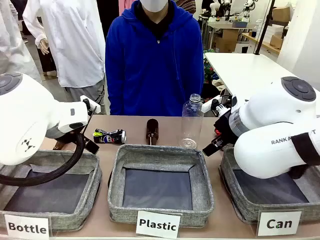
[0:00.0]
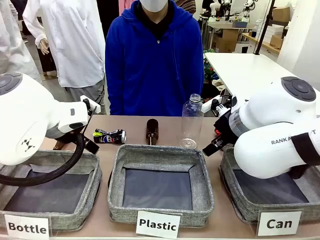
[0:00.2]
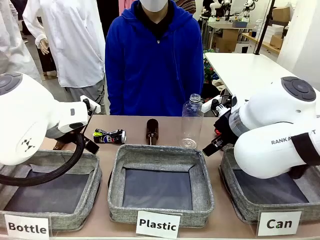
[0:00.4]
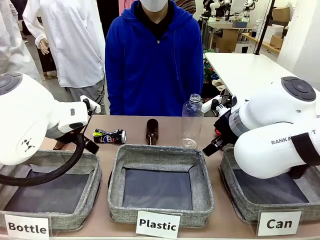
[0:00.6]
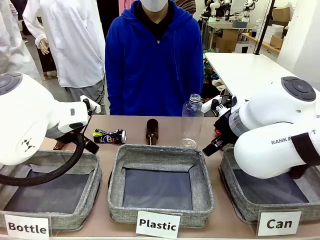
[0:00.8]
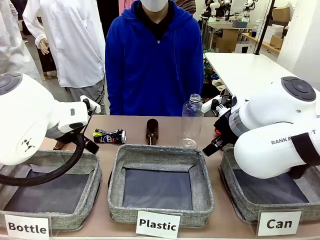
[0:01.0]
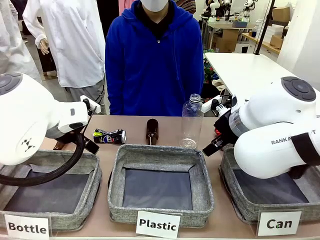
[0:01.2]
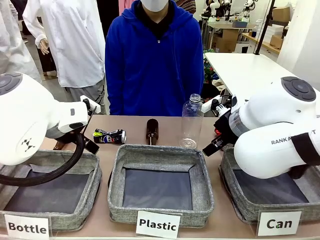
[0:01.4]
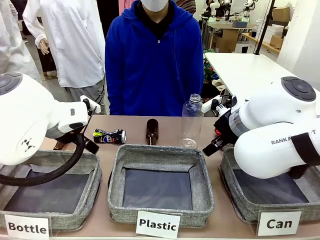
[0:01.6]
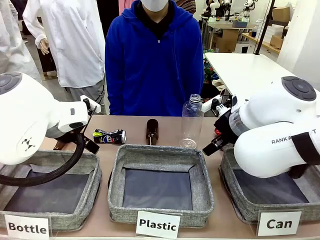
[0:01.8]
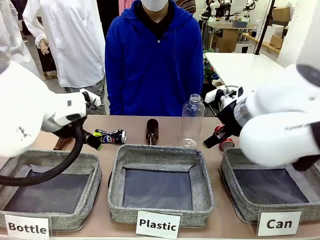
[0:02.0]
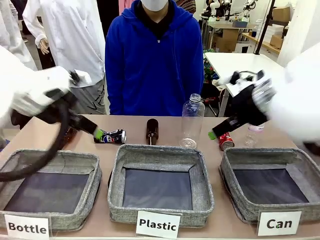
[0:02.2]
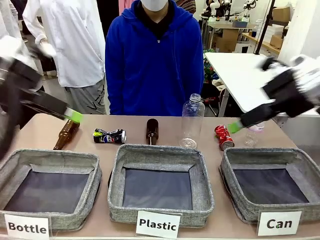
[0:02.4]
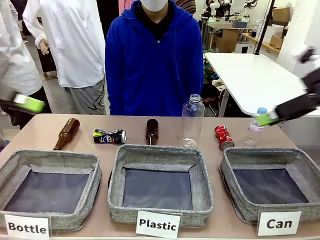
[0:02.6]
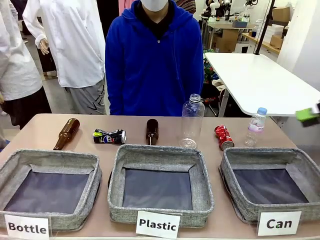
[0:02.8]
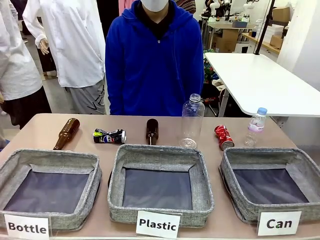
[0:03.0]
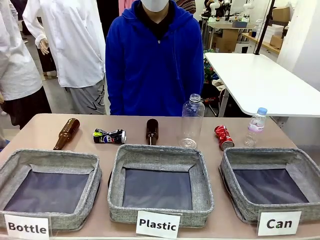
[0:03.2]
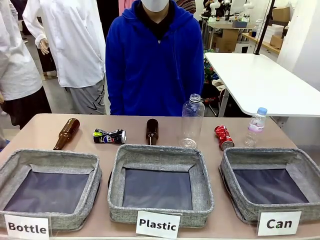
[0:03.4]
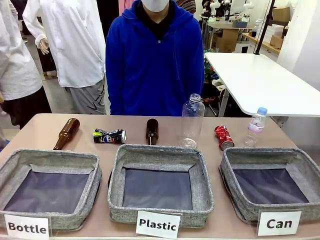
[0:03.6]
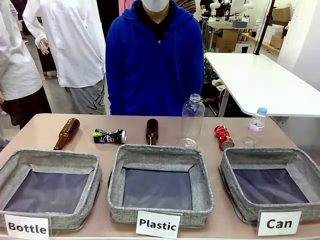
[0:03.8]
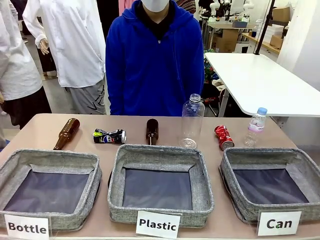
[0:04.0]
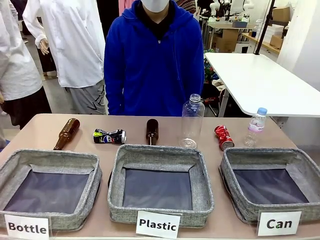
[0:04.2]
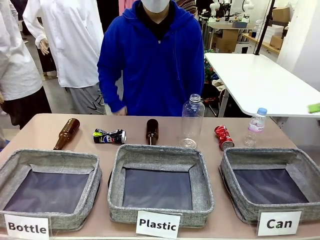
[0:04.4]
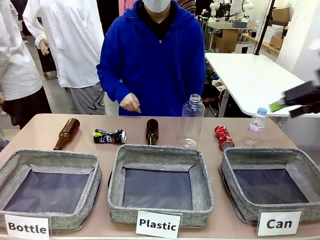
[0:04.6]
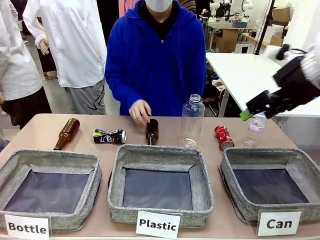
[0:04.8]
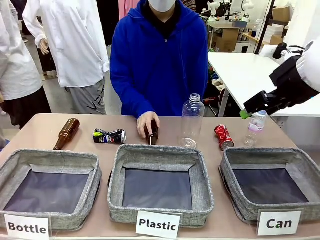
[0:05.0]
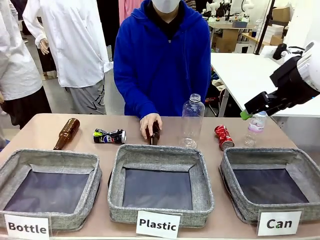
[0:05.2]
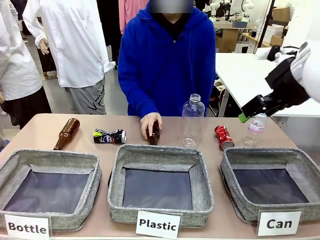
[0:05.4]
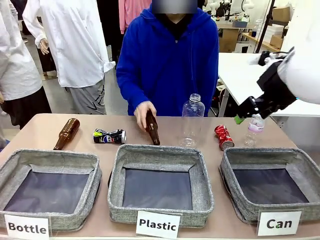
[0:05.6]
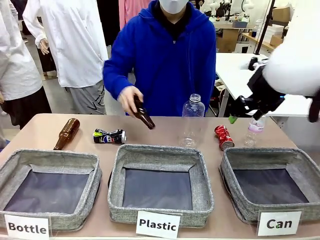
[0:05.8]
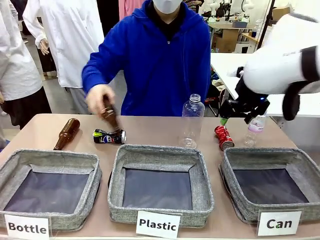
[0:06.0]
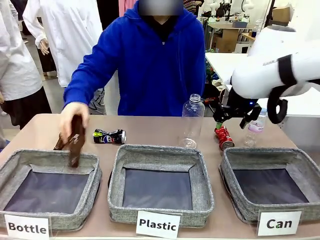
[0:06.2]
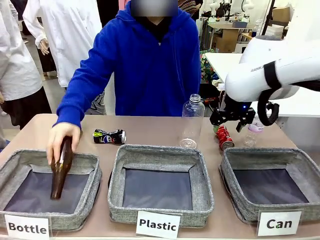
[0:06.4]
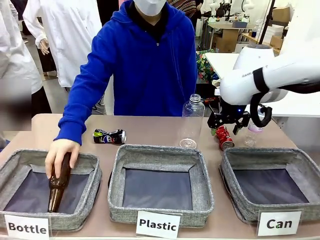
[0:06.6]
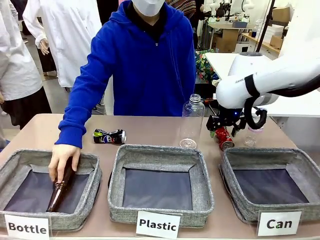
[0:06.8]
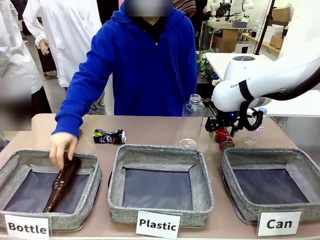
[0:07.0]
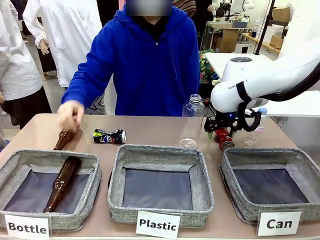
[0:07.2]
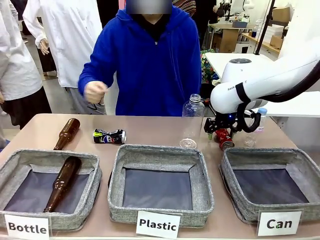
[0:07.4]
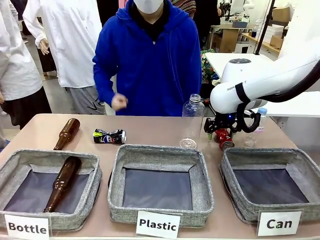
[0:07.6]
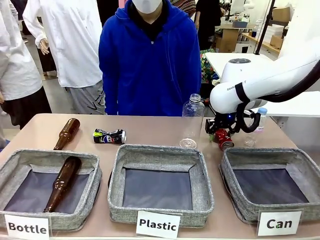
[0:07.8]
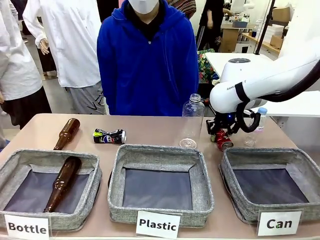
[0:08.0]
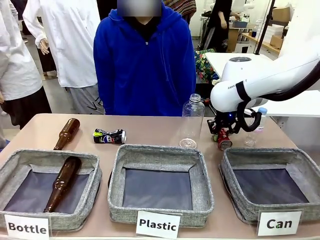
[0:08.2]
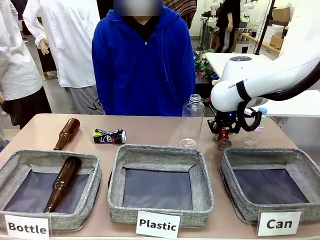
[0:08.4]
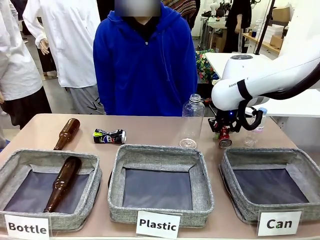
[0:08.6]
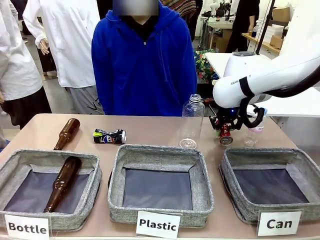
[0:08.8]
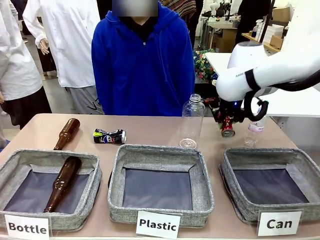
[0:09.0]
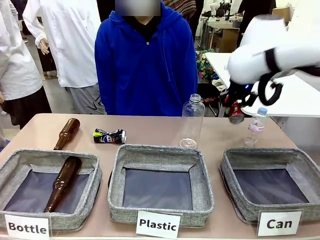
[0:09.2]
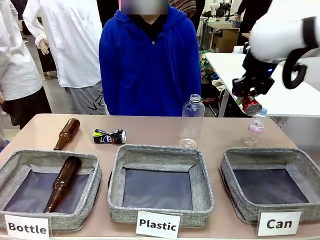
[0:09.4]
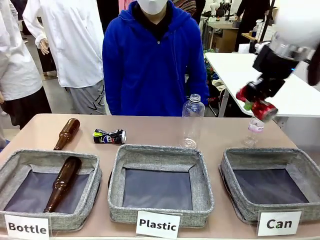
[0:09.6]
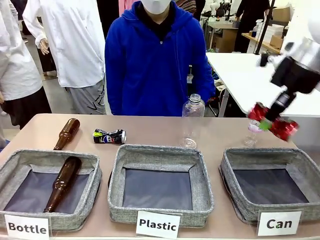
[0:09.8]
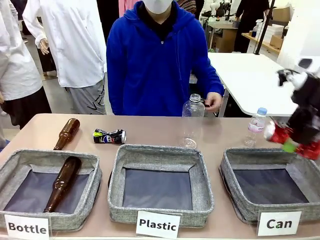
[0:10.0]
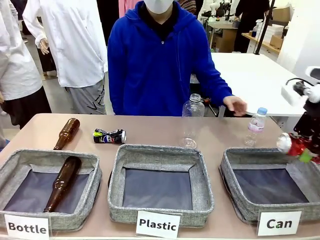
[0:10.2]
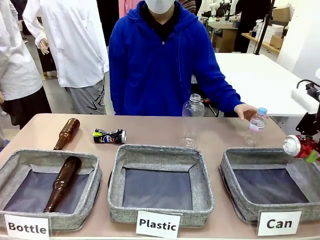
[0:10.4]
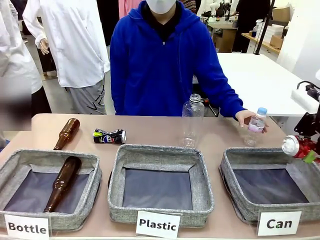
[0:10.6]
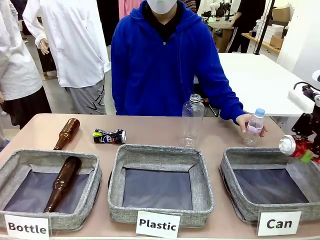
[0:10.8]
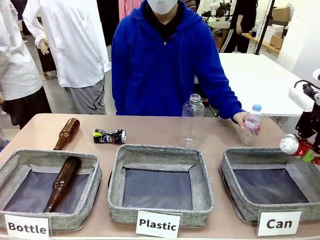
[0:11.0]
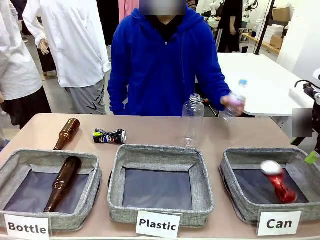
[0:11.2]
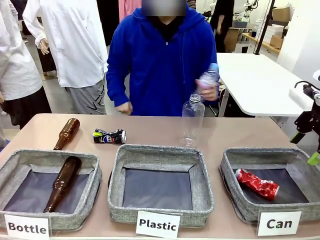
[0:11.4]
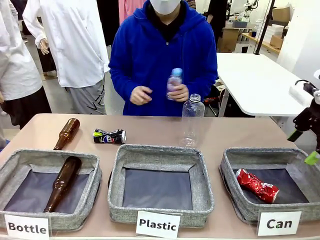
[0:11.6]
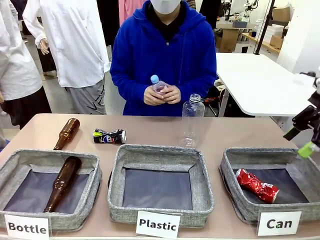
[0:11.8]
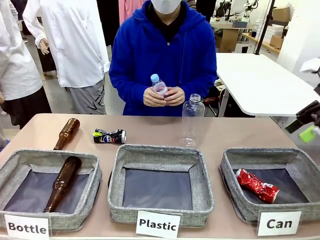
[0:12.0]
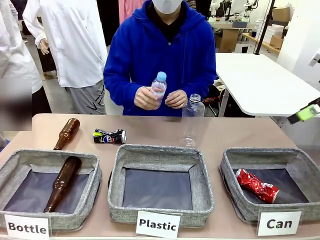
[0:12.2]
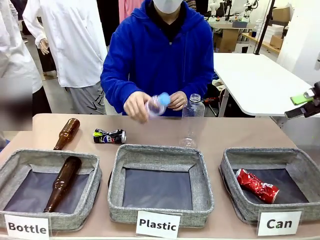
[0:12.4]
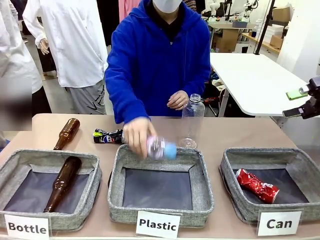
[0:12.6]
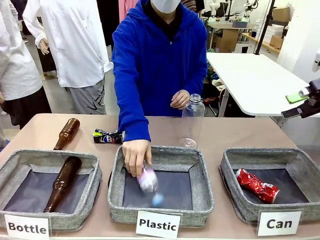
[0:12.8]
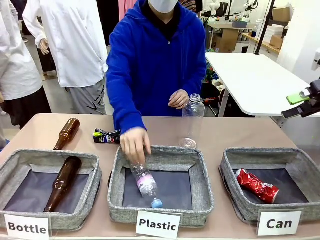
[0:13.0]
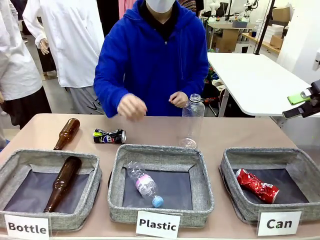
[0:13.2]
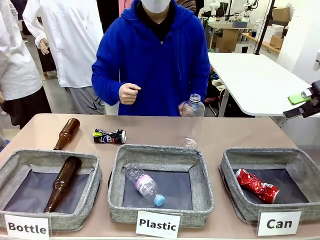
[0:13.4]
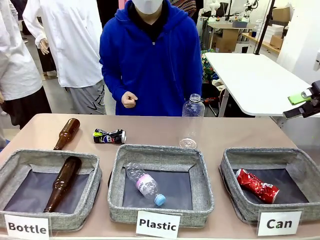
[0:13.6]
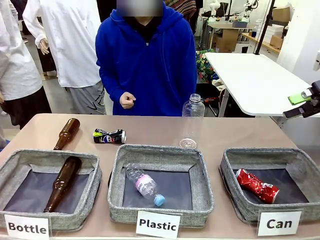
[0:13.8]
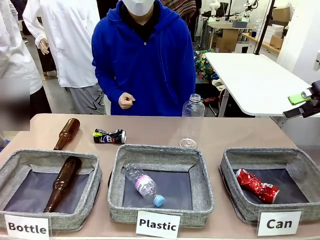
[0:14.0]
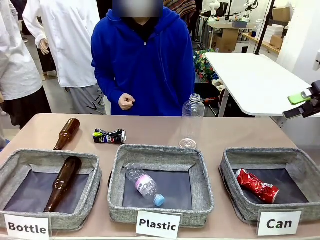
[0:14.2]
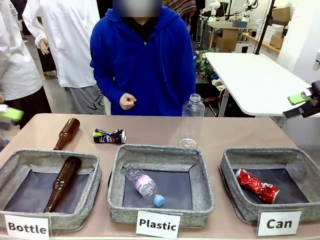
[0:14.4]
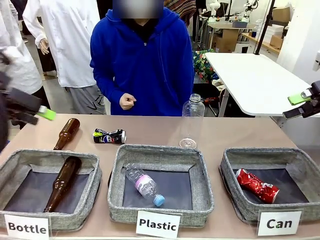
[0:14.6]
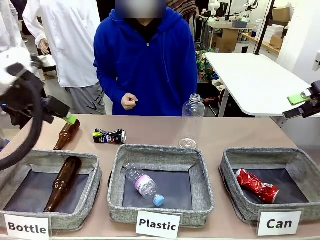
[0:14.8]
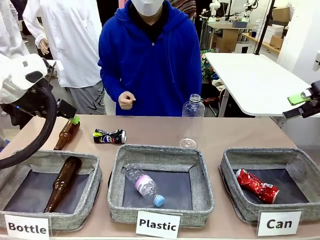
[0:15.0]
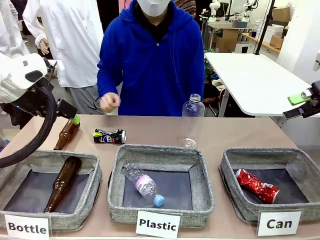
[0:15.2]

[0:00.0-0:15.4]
Task: Sort the can waste into the basket.
Robot: Pick up the can waste from the table and place it in the right Fabric basket.
